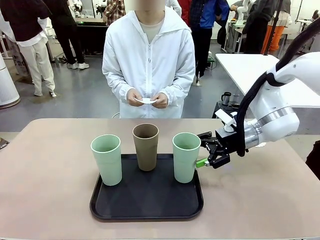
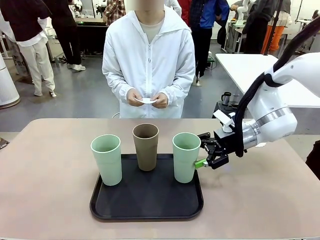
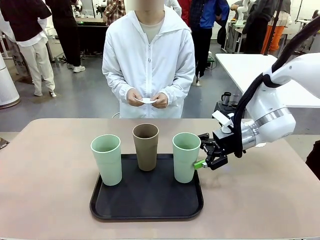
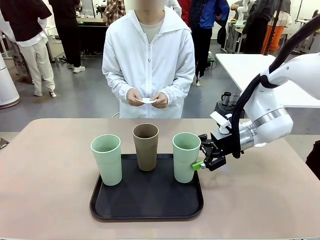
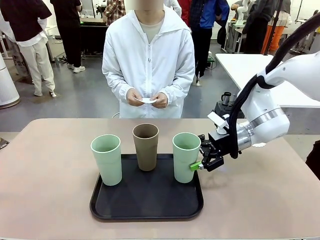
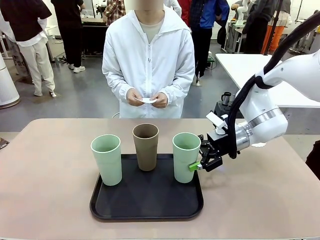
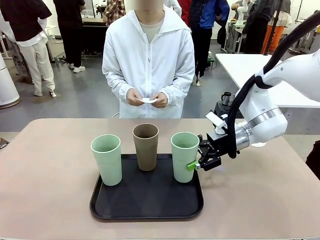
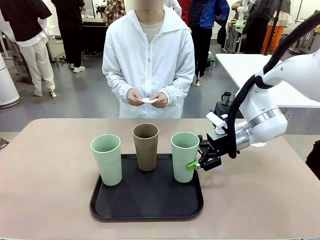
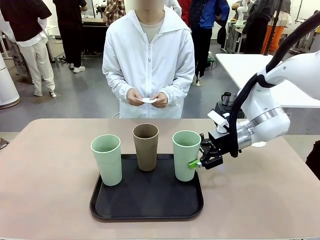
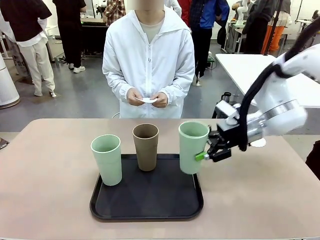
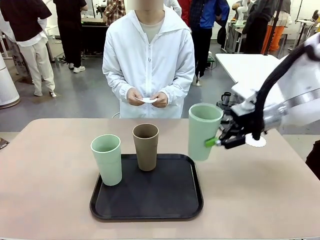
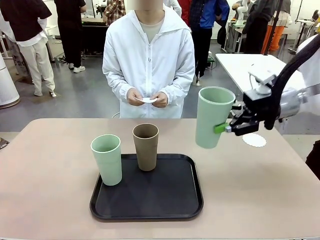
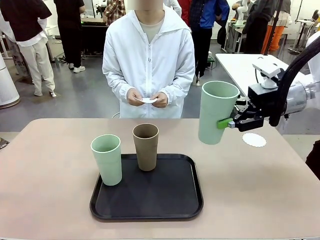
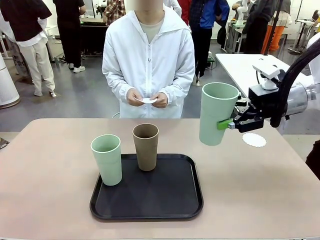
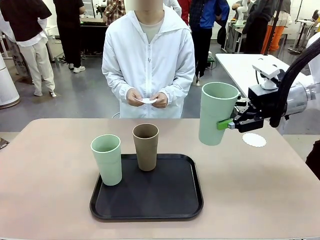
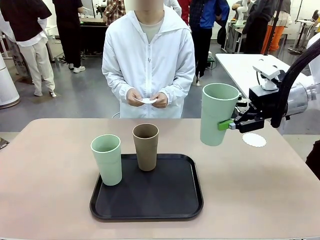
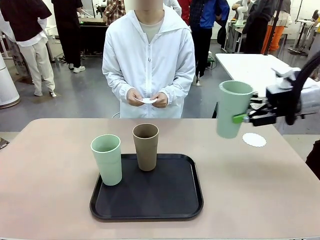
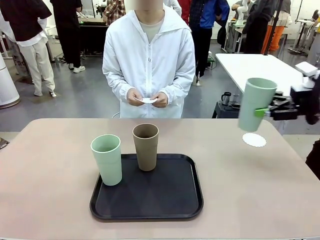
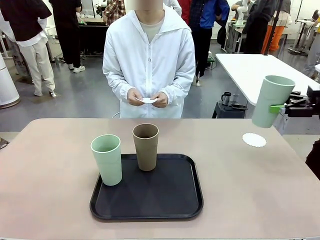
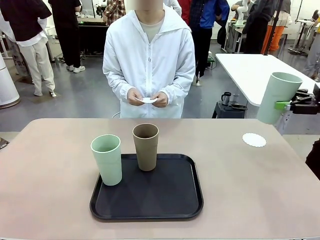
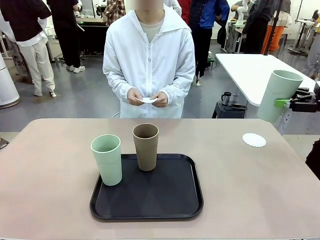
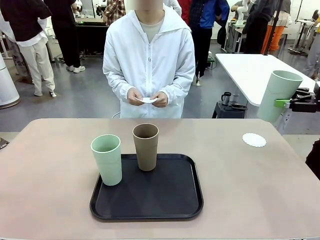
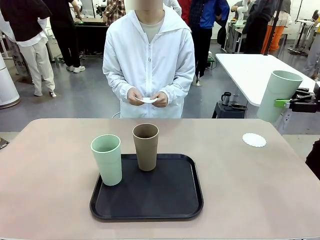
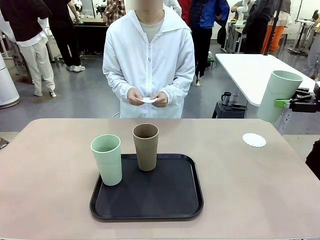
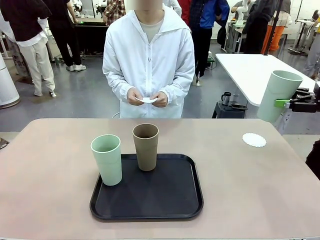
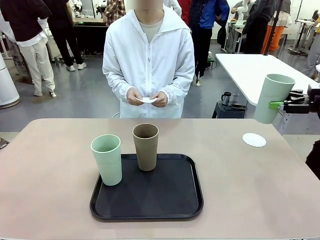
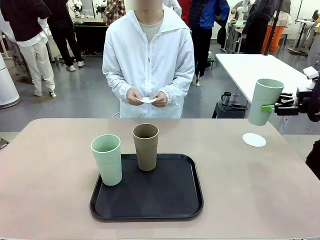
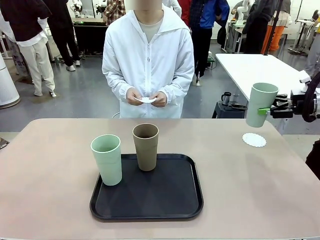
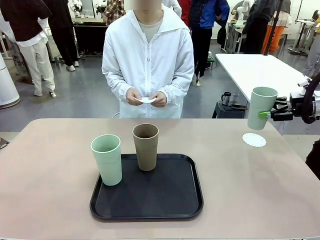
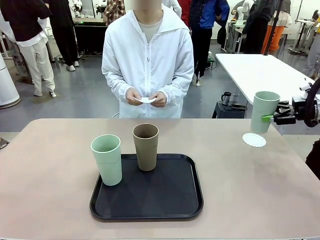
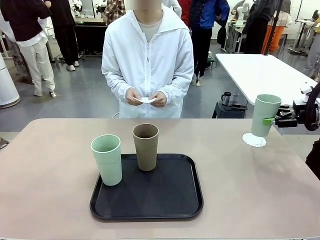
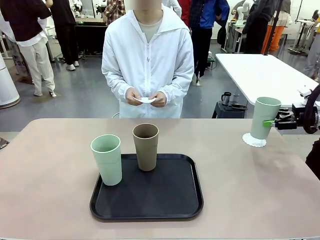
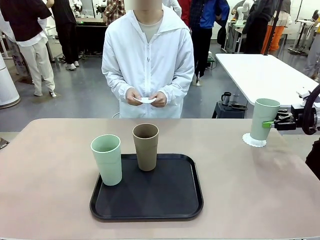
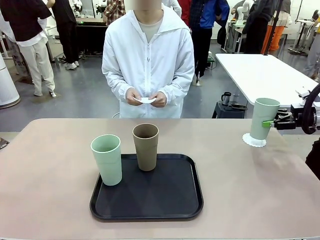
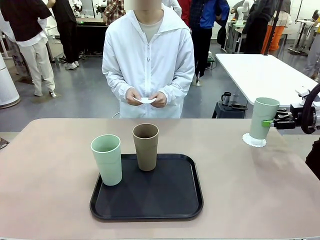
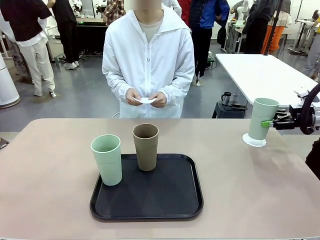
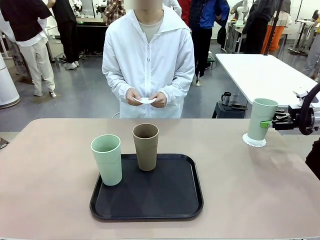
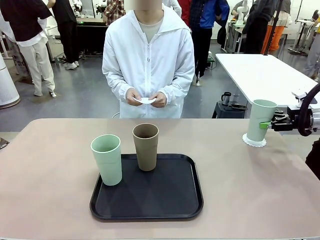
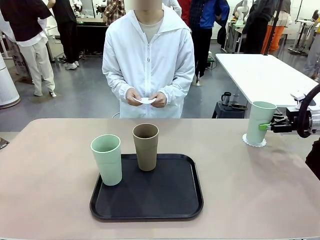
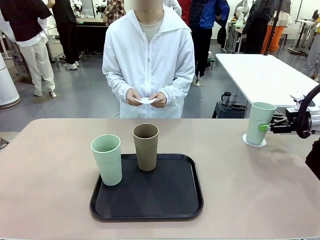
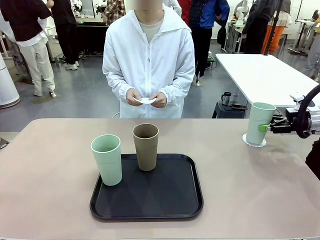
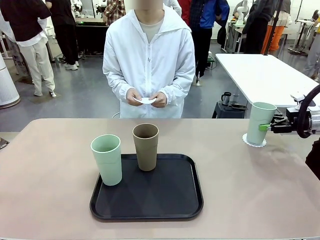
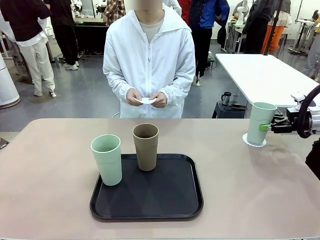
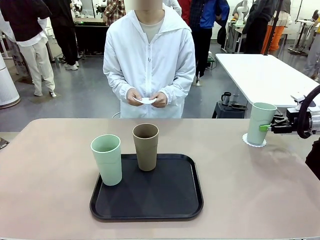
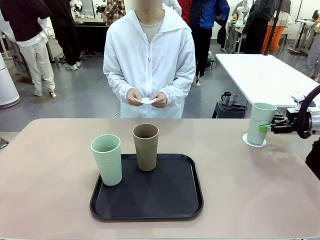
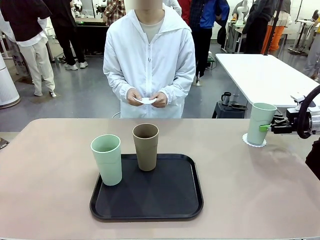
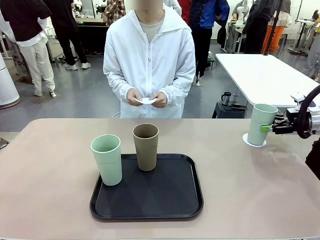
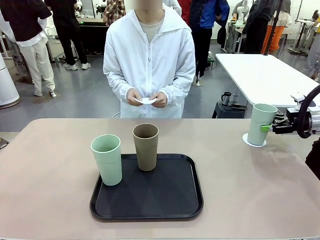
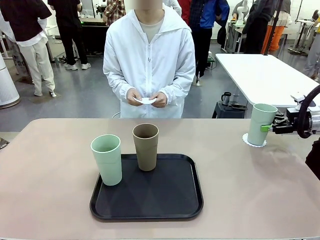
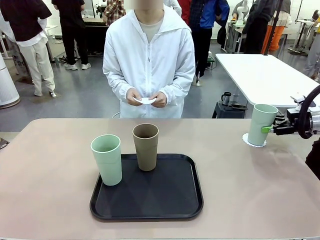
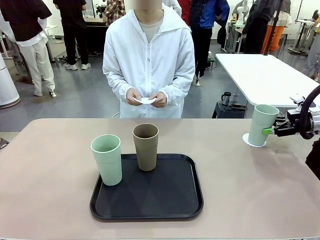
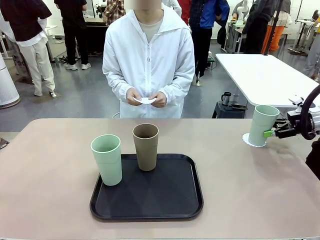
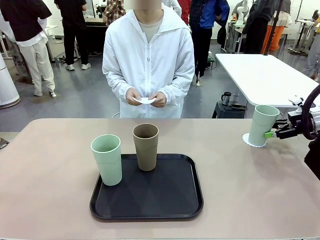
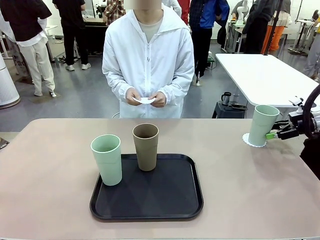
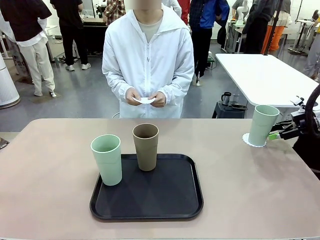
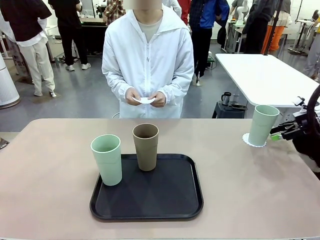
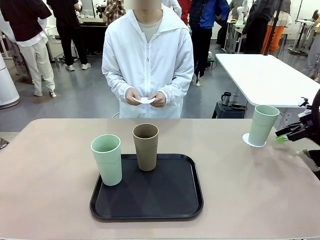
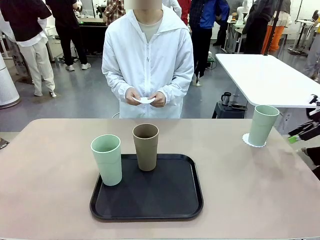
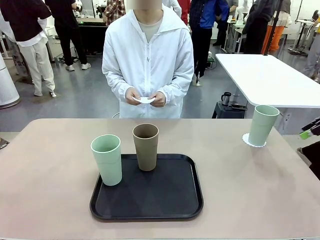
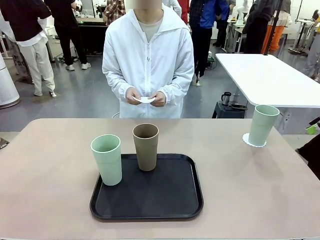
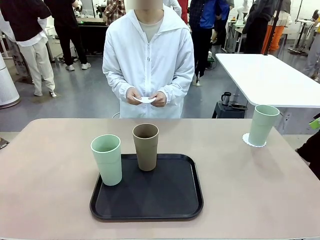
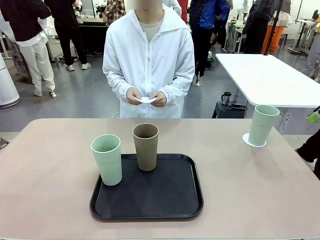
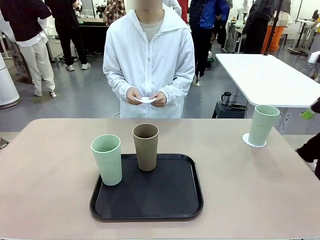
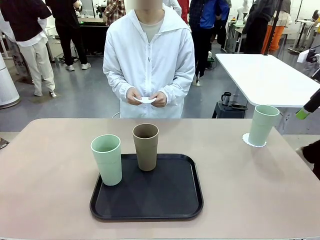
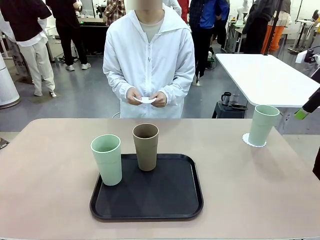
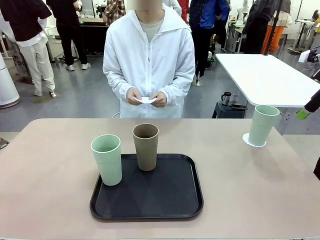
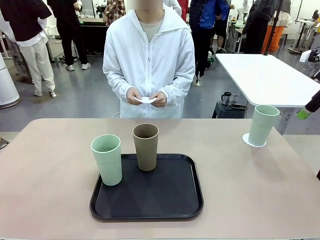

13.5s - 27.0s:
Task: Place coasters on the table and set cups on them.
Robot: Pick up one Reusable plastic cup and place it on a coaster set by the human.
Person: Place one coaster in one of the two areas excluding the previously selected area.
